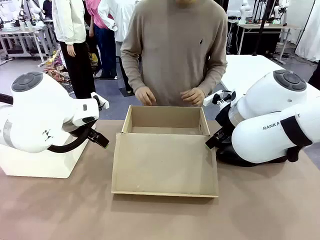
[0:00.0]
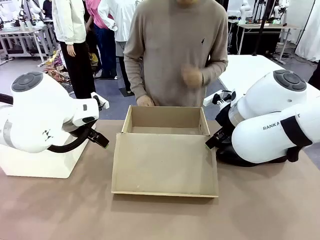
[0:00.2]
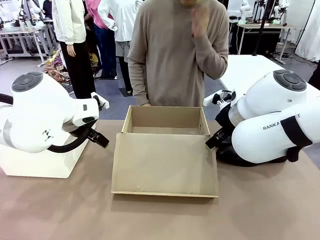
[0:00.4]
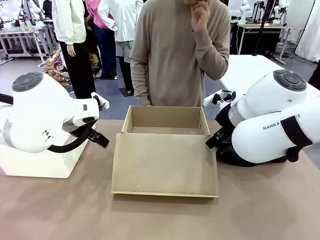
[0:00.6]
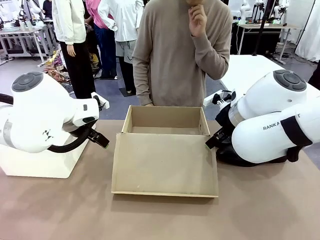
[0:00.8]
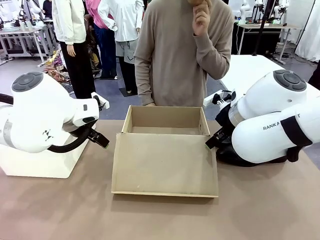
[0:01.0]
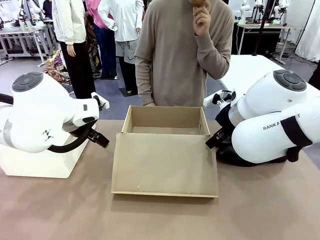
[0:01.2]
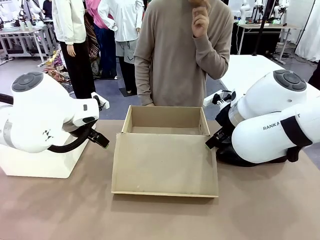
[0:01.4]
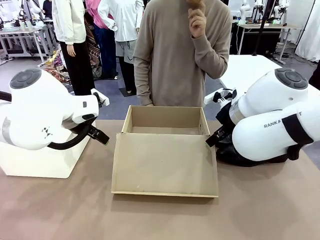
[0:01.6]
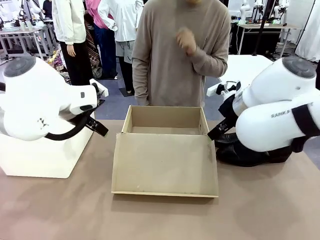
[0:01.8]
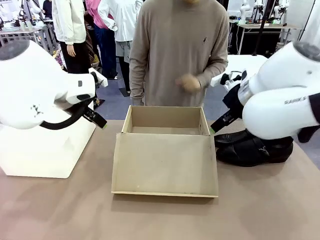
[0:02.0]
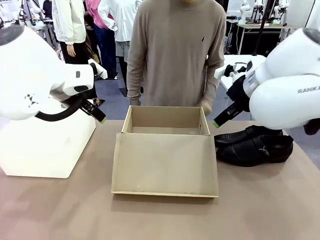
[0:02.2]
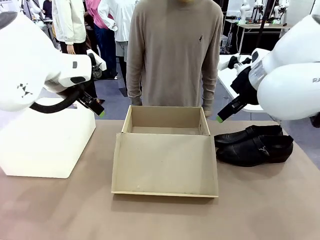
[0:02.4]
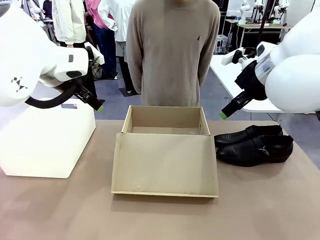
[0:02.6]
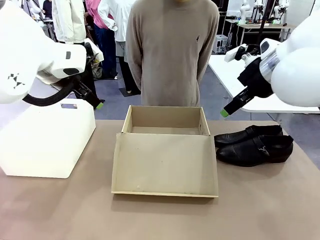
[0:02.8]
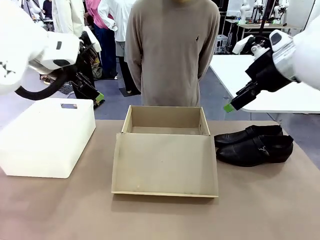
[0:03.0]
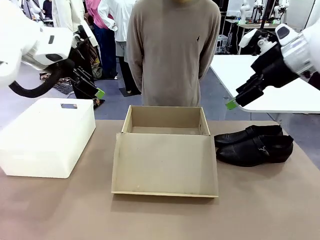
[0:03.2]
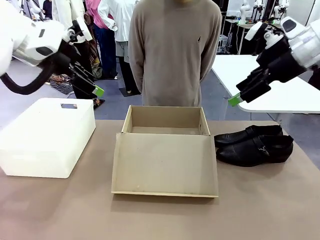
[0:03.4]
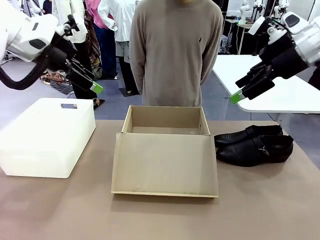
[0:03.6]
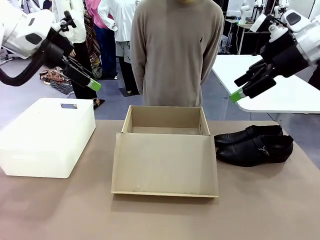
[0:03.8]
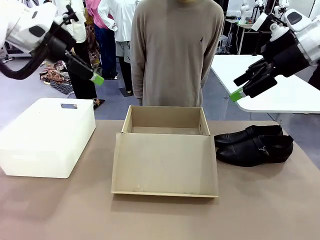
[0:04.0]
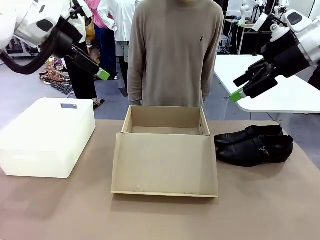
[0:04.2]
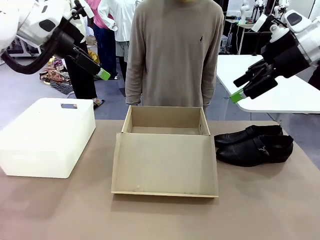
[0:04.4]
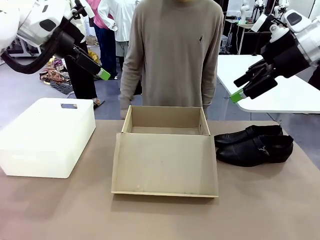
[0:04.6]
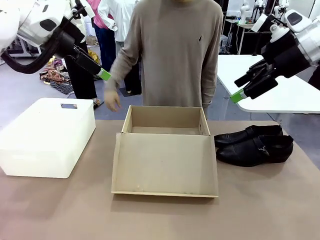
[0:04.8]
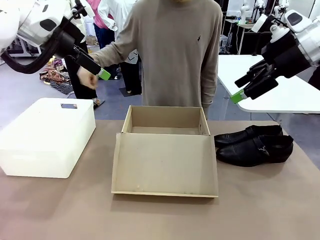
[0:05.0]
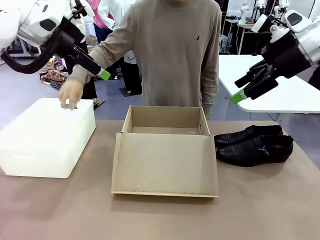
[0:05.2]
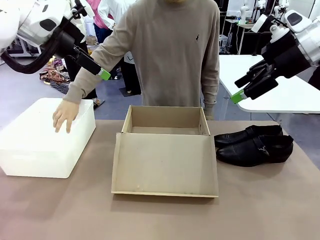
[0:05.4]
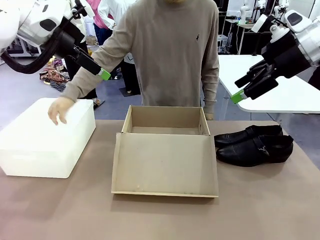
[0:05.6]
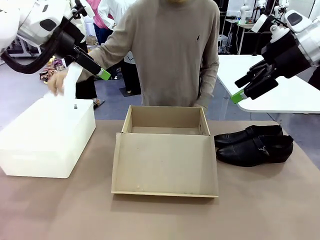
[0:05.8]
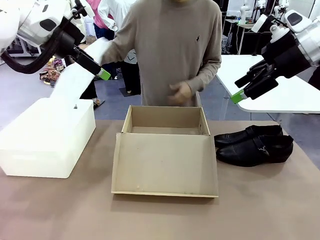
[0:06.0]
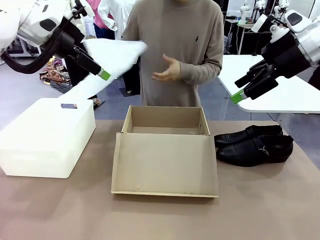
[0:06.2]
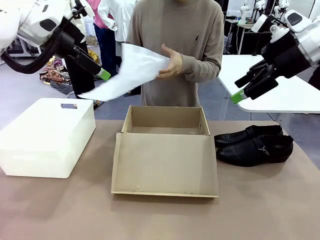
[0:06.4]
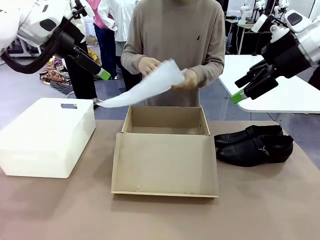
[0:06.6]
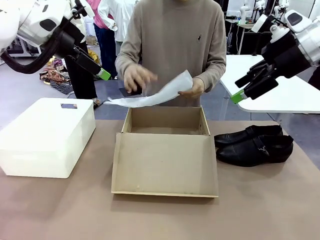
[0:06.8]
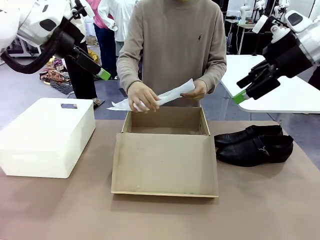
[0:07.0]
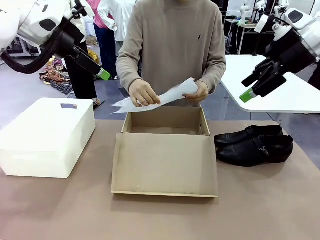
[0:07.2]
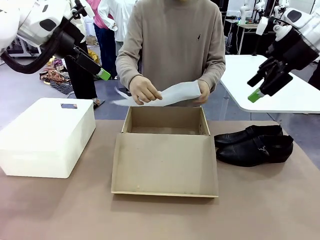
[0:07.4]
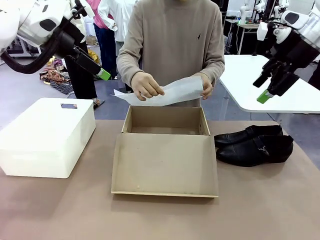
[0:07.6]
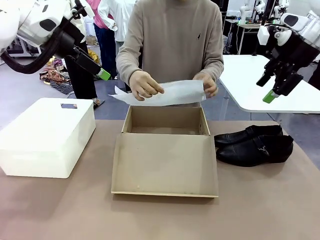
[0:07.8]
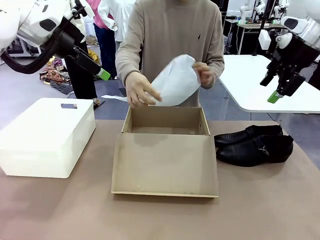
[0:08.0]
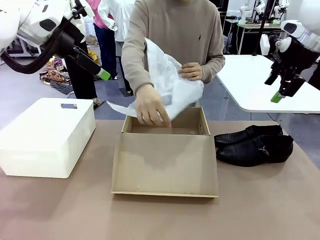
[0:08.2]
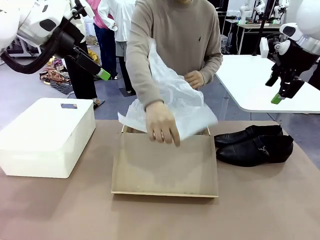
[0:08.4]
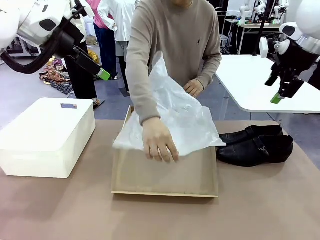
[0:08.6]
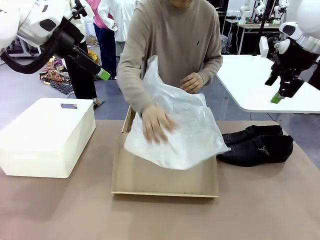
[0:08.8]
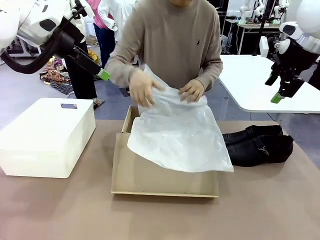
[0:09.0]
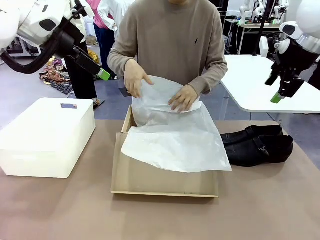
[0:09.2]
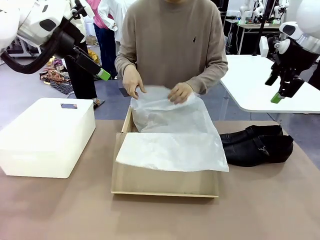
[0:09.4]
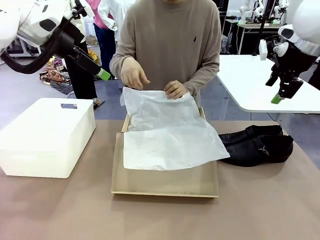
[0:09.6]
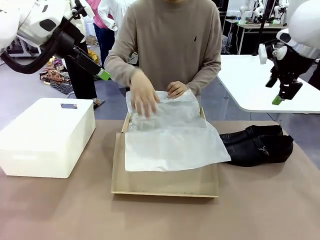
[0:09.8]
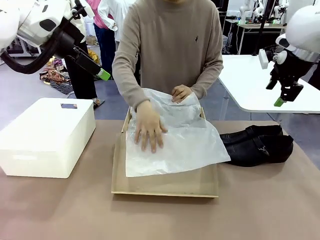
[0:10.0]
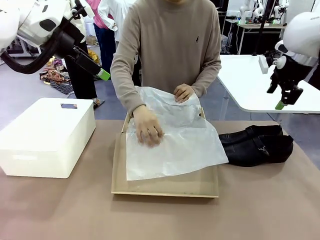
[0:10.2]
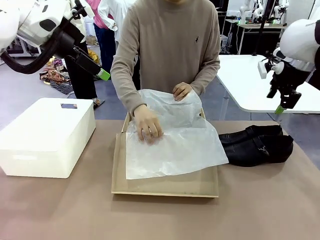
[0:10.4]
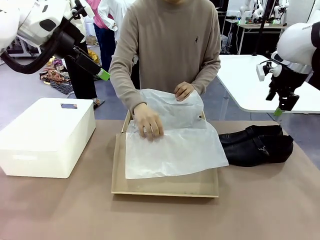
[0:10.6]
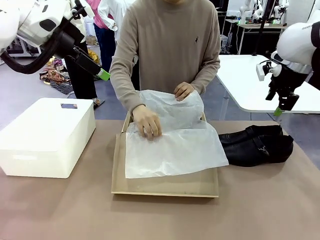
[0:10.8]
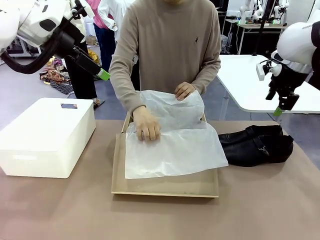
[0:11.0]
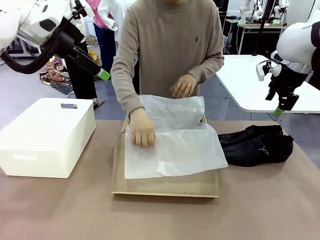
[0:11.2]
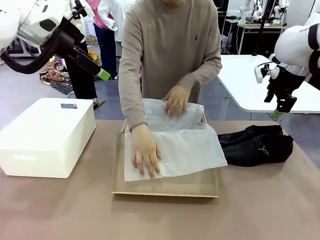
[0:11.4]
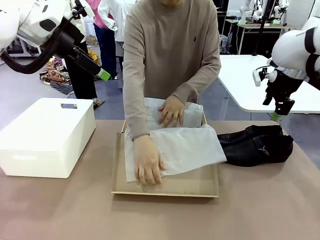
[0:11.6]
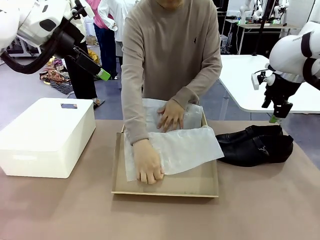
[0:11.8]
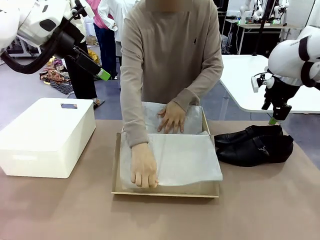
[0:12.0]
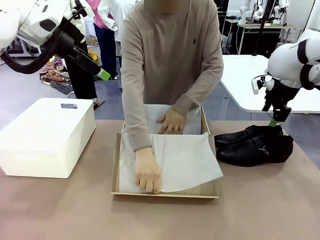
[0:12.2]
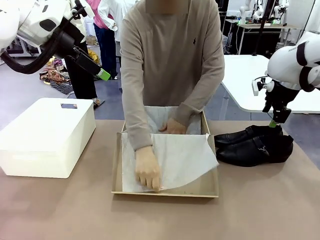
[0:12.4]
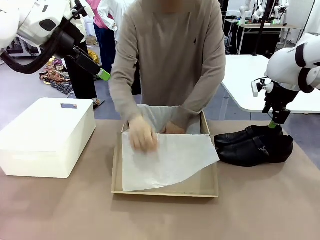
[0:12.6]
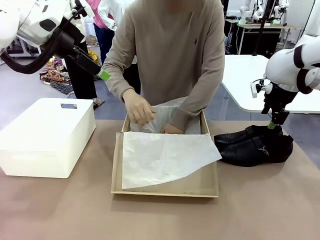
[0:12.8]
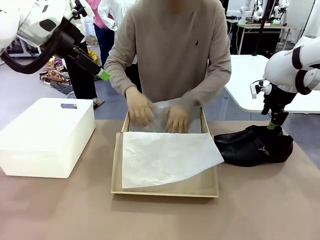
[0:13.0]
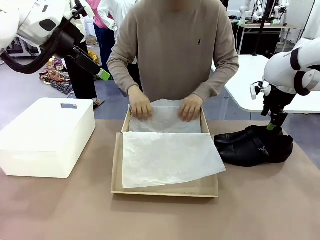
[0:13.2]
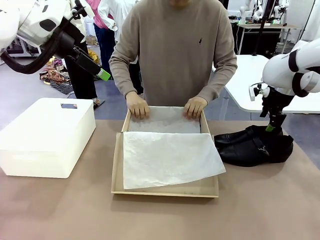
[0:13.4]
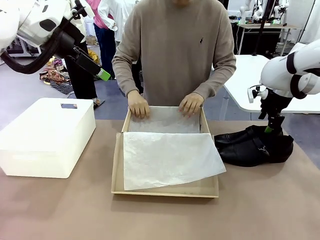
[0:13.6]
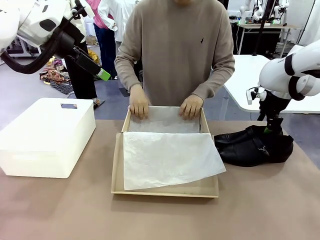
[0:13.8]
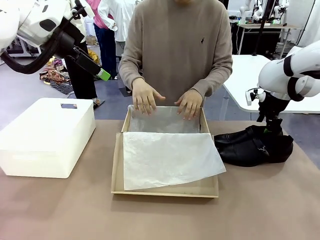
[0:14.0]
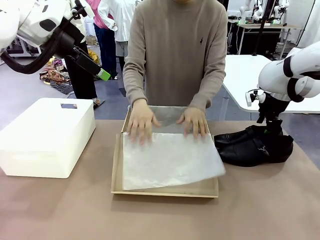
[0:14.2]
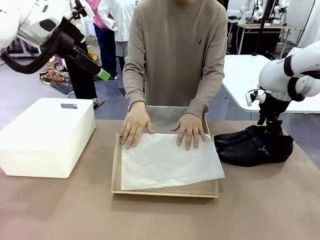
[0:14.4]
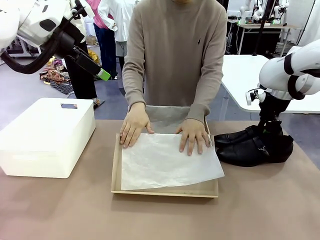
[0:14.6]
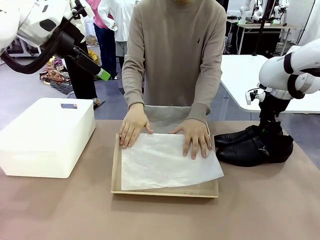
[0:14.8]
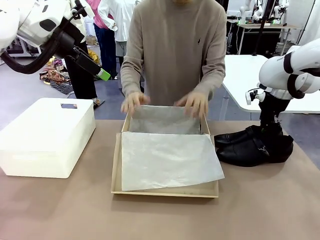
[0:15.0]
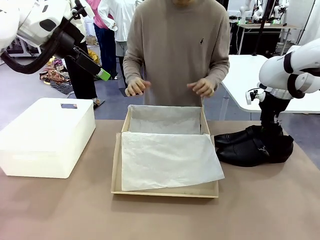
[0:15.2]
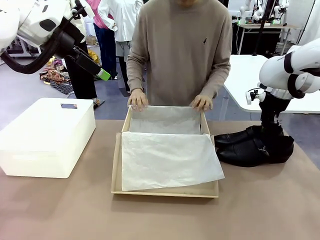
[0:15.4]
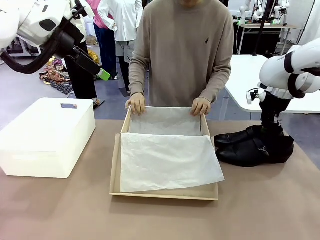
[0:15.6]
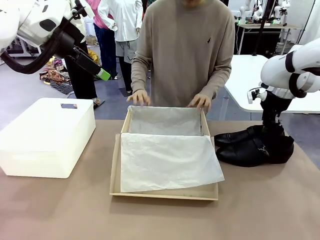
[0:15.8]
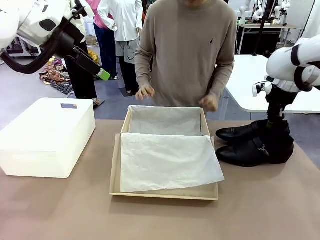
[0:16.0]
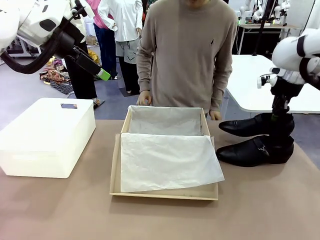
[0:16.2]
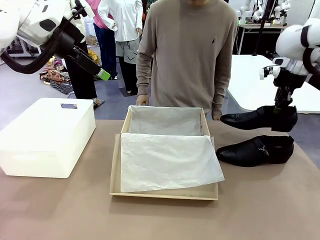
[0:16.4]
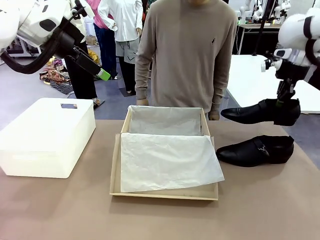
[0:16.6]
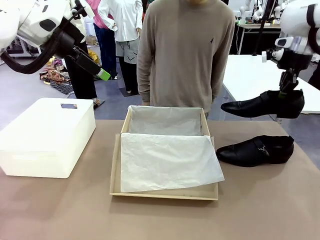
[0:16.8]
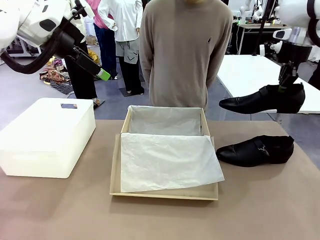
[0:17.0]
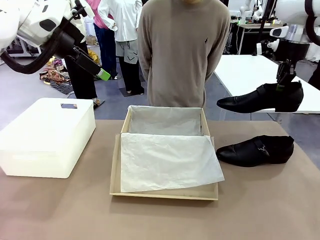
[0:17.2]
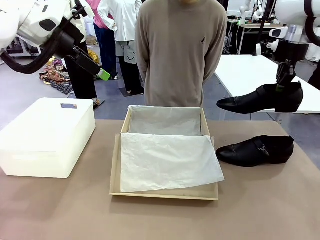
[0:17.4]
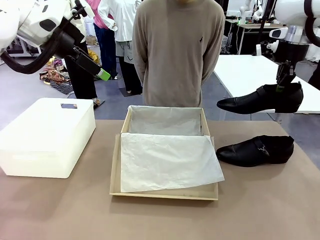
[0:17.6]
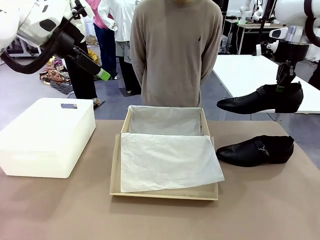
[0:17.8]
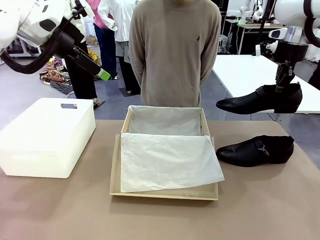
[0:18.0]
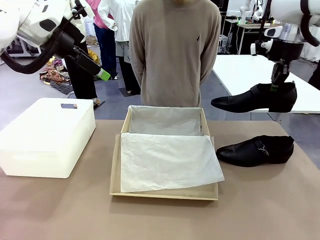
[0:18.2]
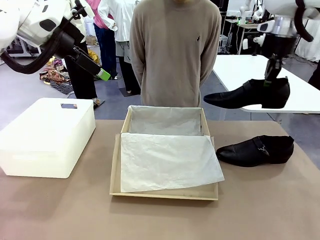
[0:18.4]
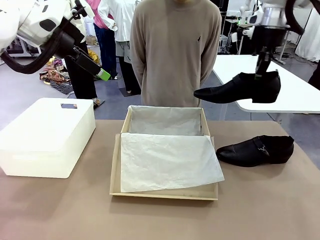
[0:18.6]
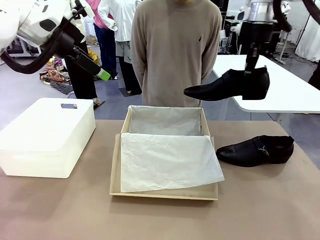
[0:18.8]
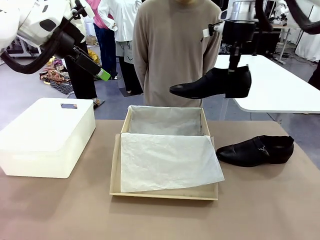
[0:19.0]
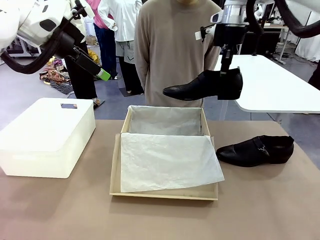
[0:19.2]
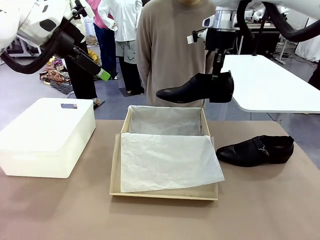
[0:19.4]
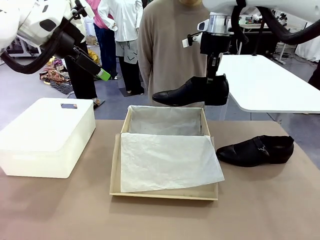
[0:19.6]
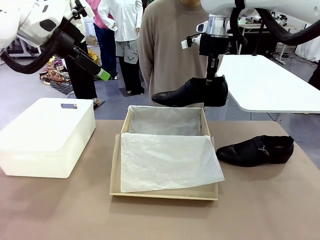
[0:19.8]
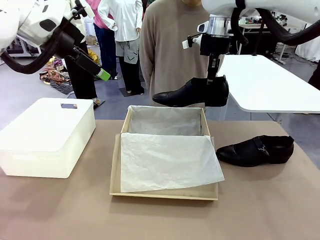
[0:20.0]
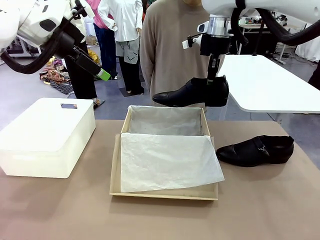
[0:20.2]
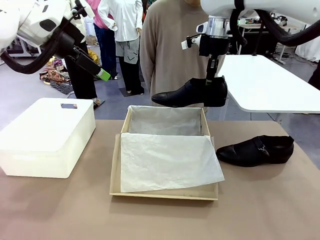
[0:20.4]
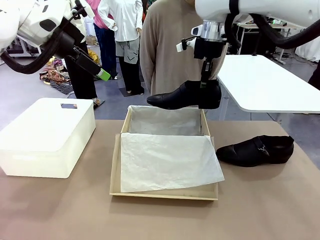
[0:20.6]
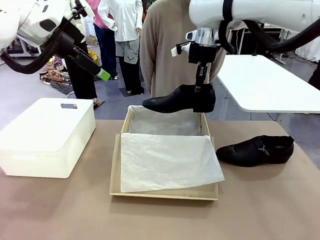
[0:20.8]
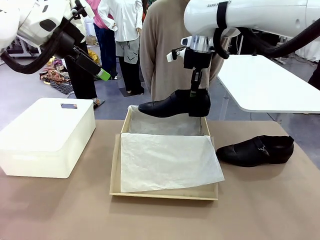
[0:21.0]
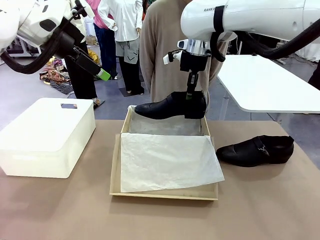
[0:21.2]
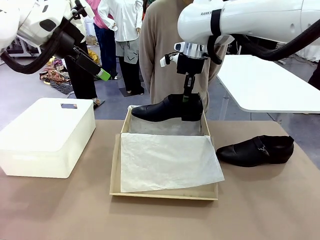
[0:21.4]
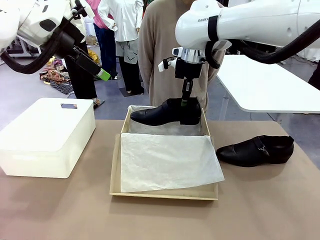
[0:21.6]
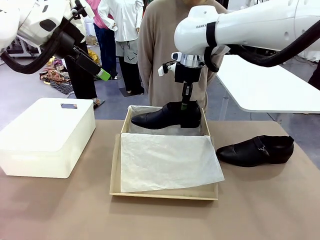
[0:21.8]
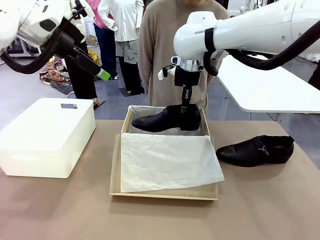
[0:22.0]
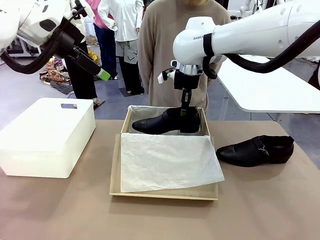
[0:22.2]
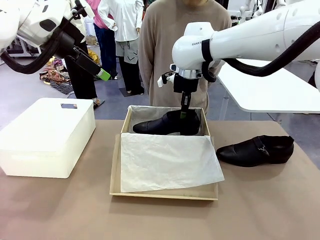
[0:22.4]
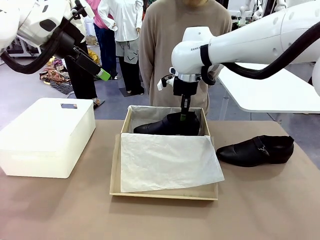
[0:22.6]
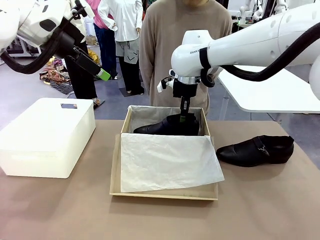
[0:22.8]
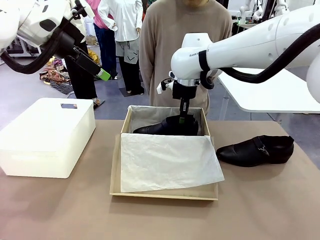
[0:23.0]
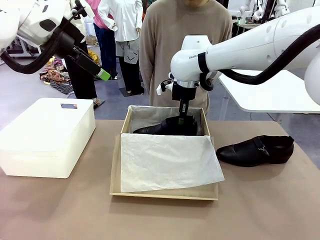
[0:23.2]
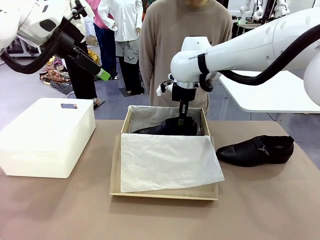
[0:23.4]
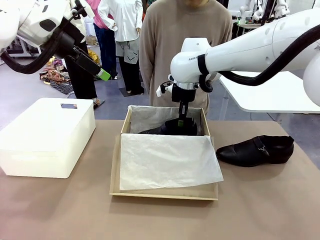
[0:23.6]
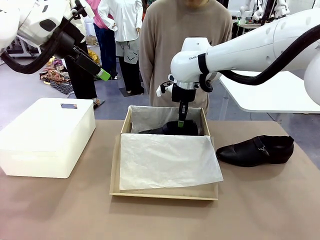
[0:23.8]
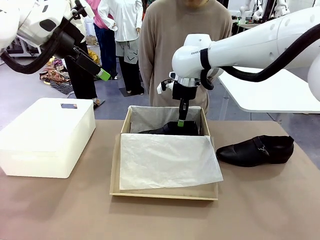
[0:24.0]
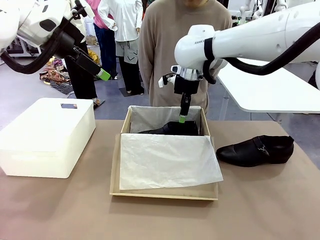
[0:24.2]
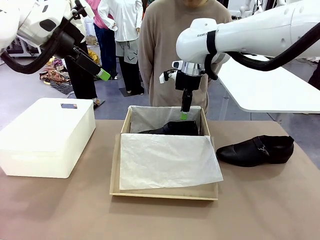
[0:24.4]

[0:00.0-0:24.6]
Task: Pack the shoes into the box.
Robot: Place one shoe of the Shoes into the Shoes Box.
Person: Spread Shoes Wrapping Paper and place inside the Shoes Box.
